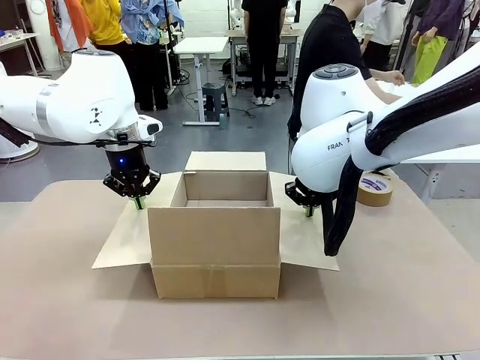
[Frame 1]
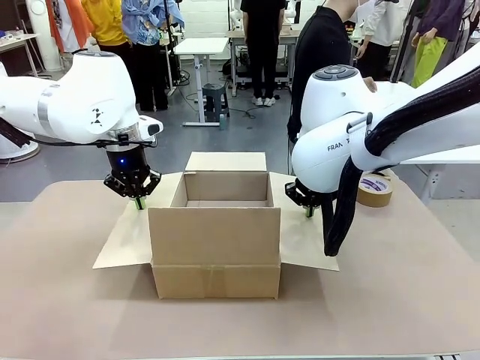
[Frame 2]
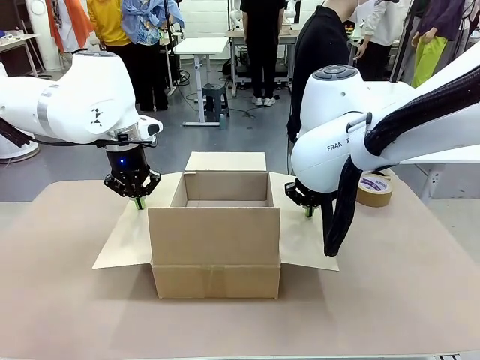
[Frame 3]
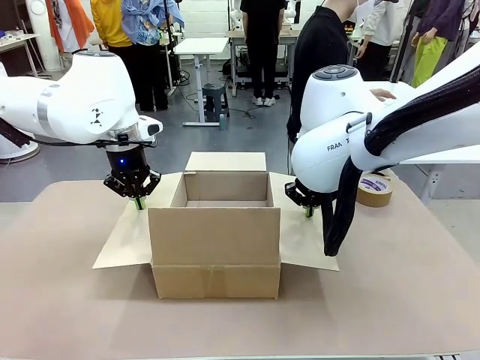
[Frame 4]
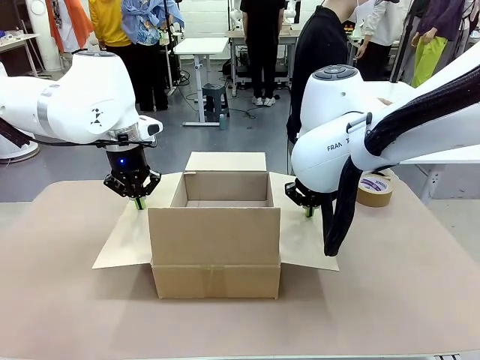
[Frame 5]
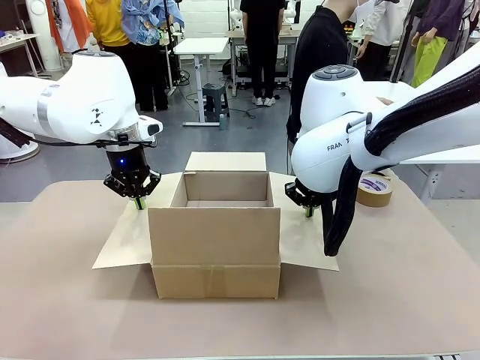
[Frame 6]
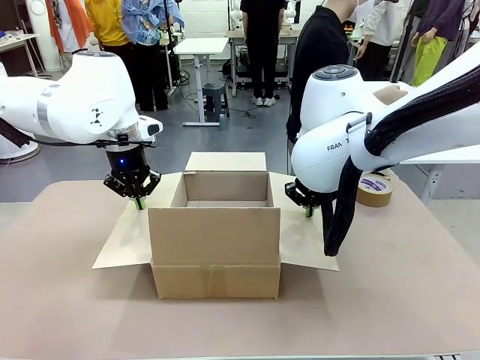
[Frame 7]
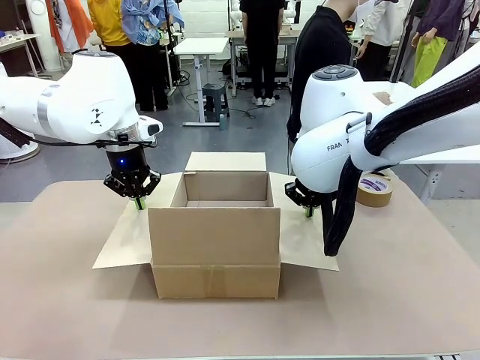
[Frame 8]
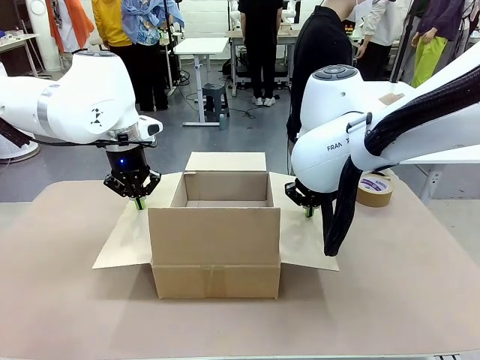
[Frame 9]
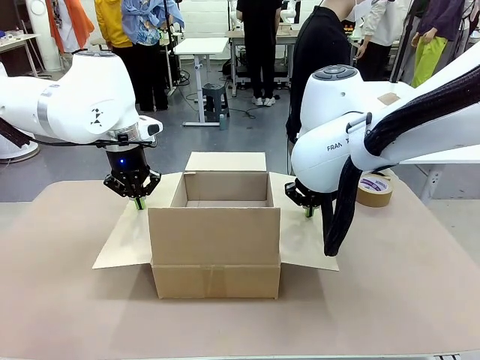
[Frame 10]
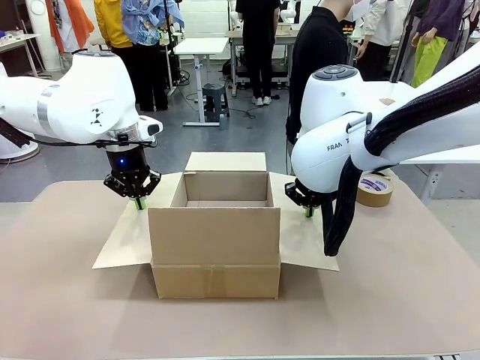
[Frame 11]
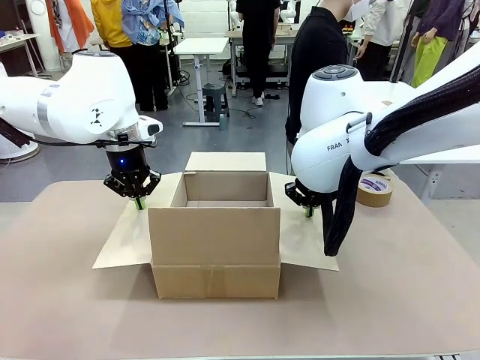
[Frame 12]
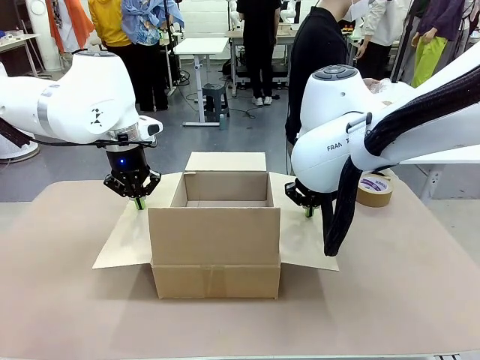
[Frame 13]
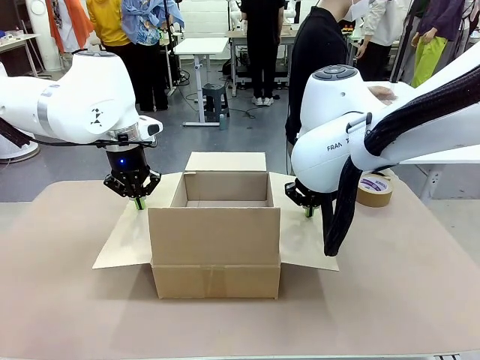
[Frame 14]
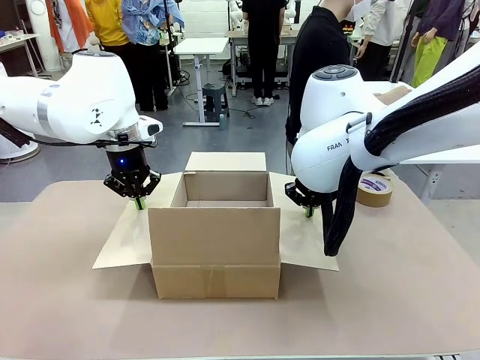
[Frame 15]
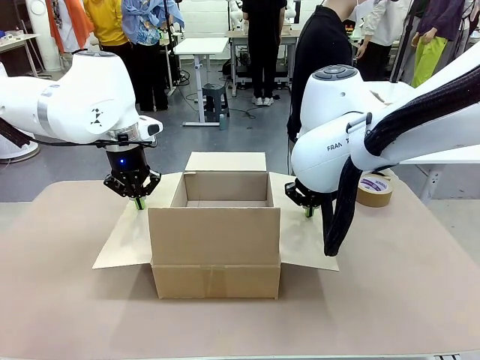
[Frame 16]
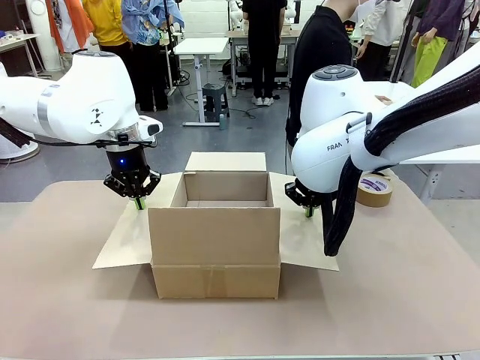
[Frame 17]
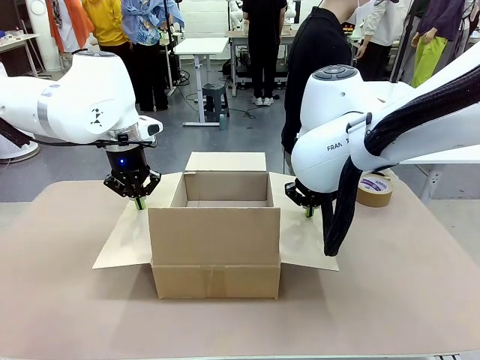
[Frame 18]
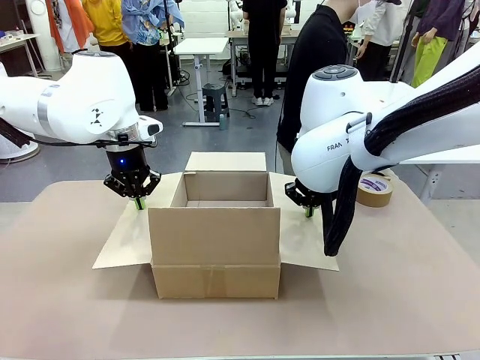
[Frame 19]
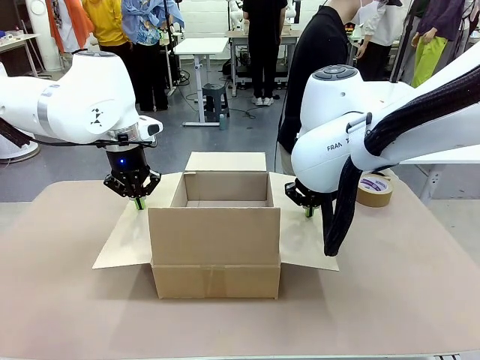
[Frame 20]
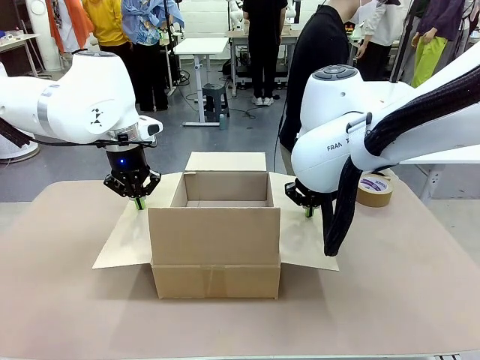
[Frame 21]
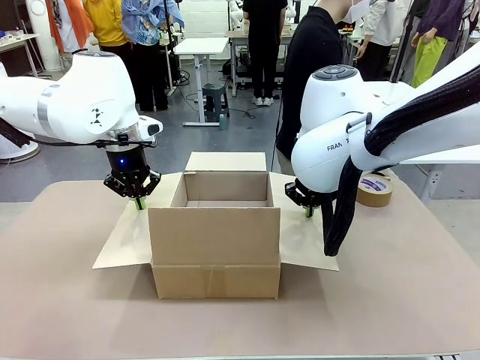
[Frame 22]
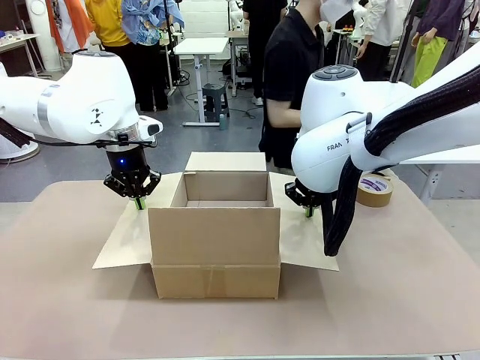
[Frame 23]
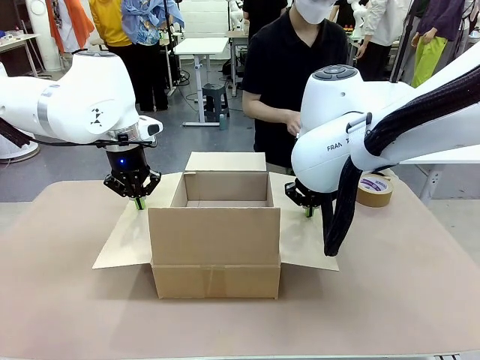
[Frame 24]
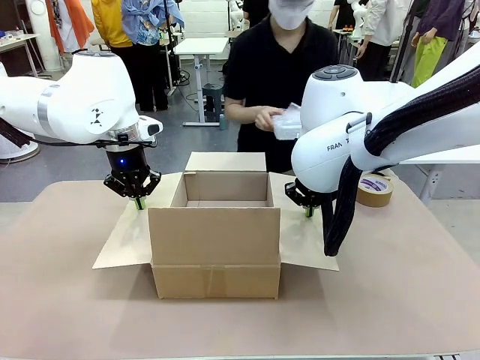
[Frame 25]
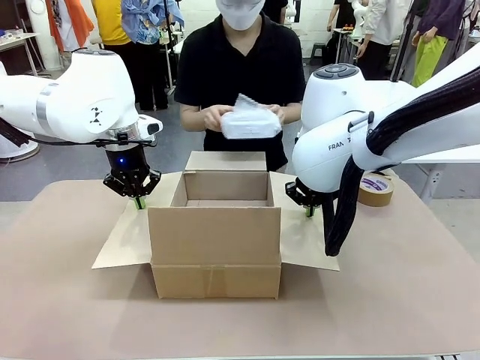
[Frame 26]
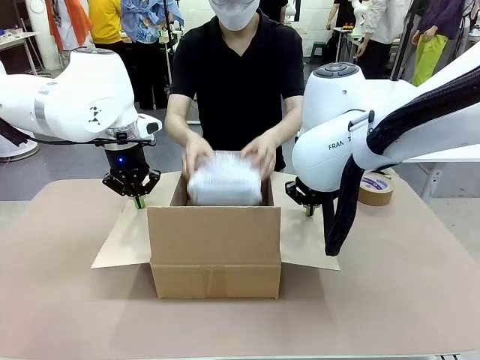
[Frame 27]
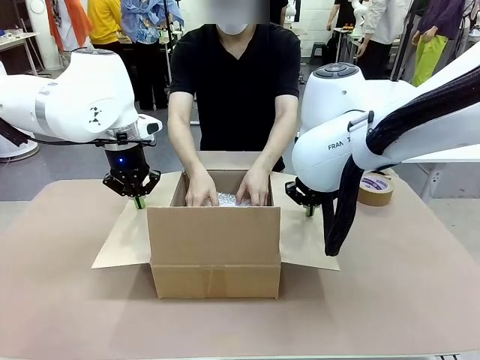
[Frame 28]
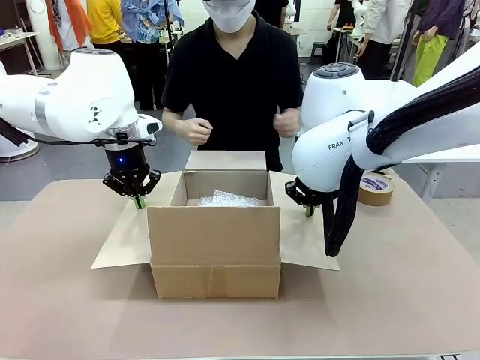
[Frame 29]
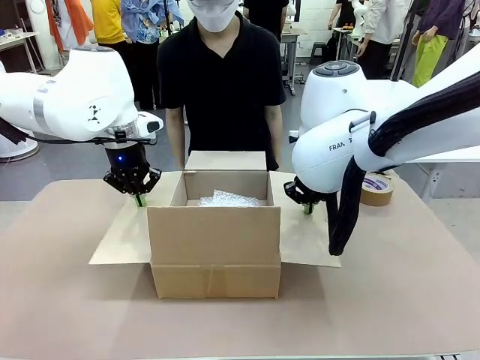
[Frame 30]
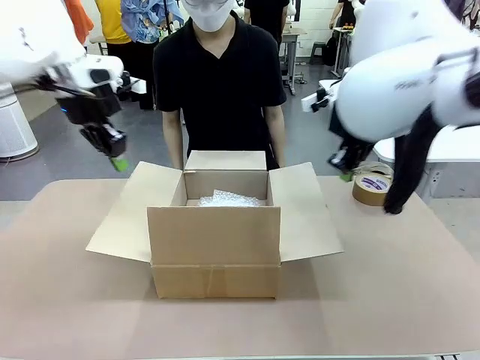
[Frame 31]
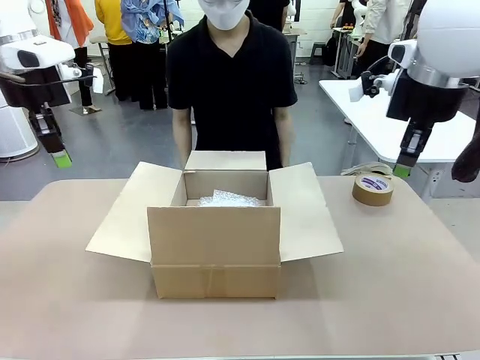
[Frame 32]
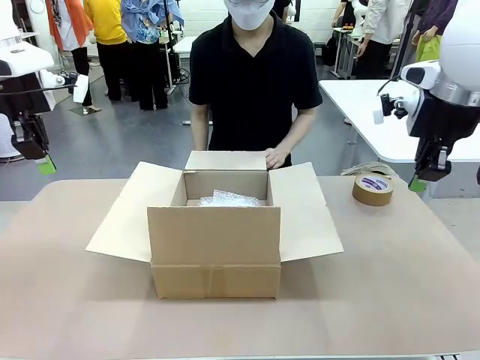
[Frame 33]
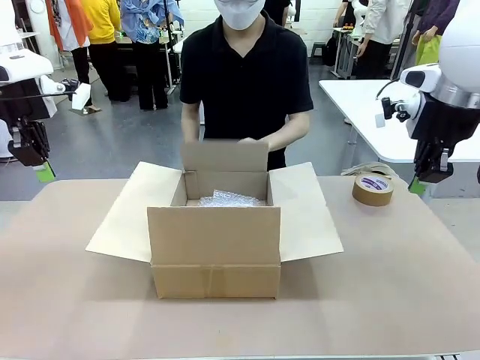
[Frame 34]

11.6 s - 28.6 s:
Task: Wrap the clocks to prevent damage.
Robot: Once the human has placed the objects inside and stepped back, release both hands from the side flaps of the Package Box.
Person: Place the wrapped Digital clocks inside the Package Box.

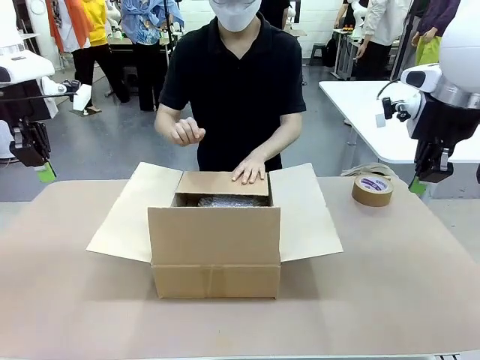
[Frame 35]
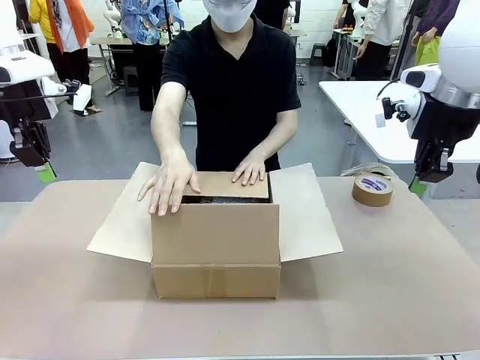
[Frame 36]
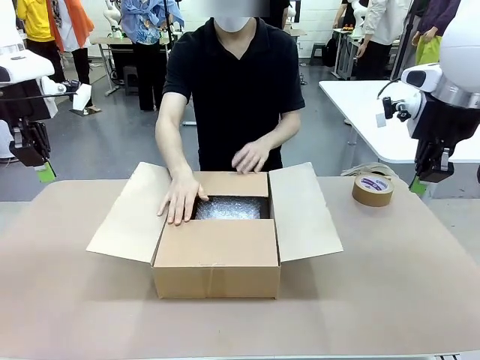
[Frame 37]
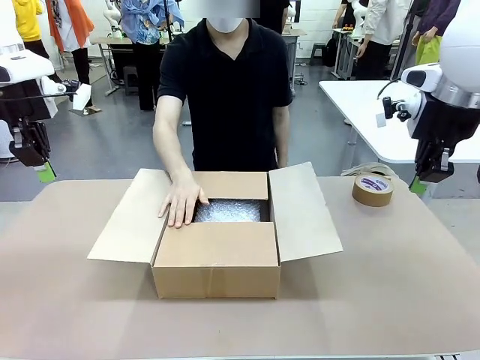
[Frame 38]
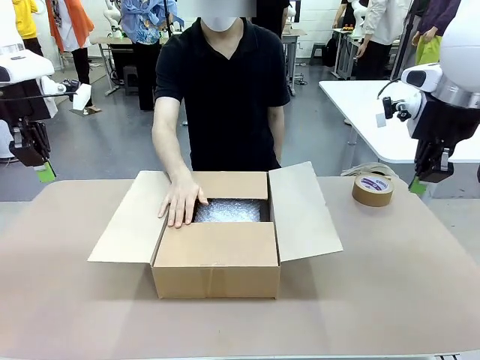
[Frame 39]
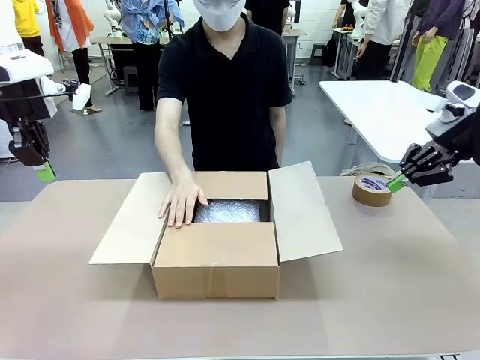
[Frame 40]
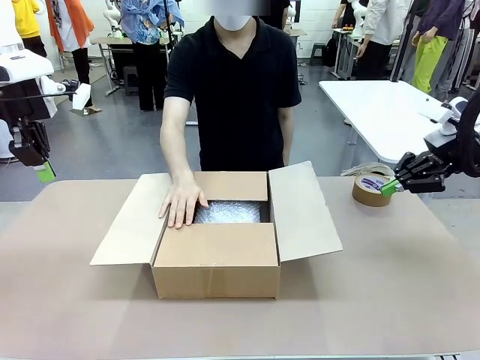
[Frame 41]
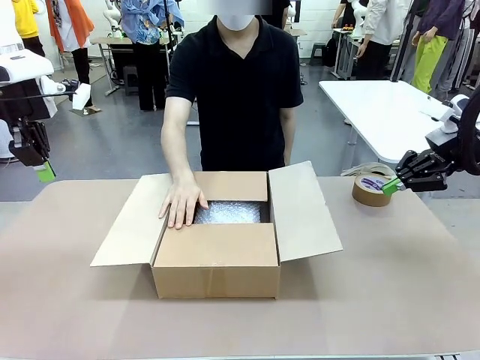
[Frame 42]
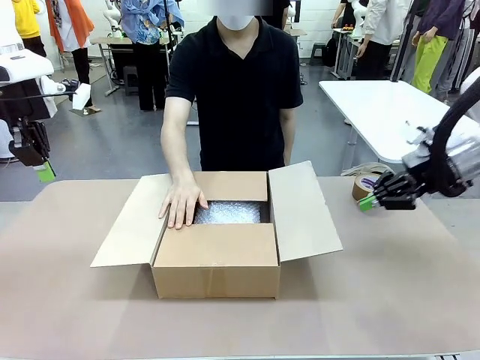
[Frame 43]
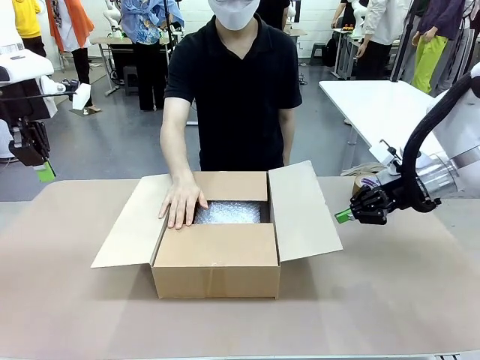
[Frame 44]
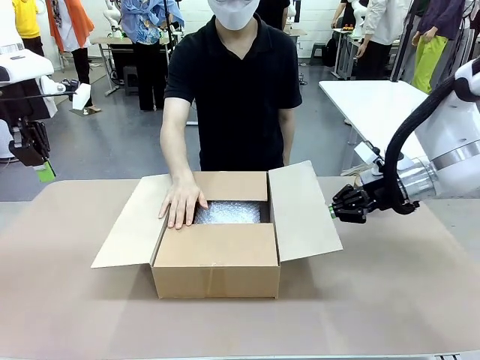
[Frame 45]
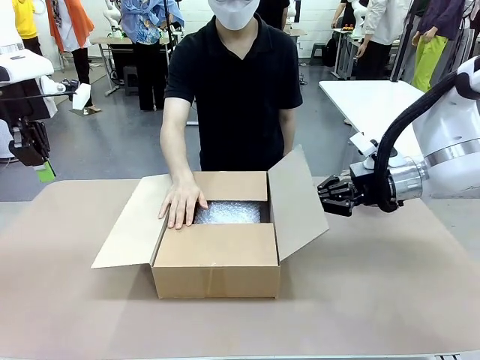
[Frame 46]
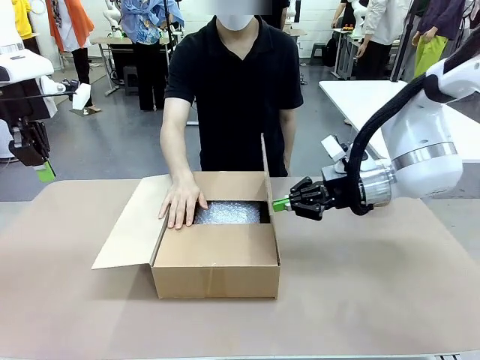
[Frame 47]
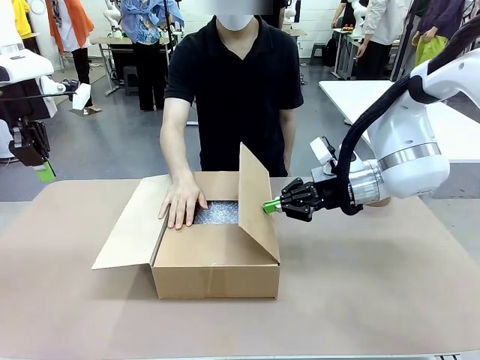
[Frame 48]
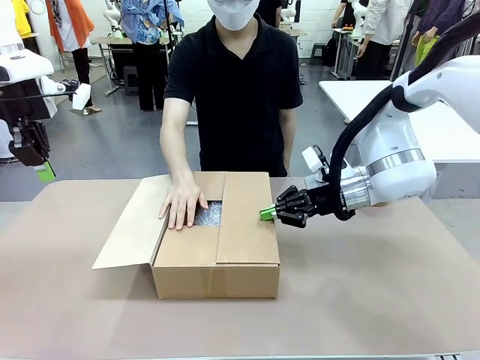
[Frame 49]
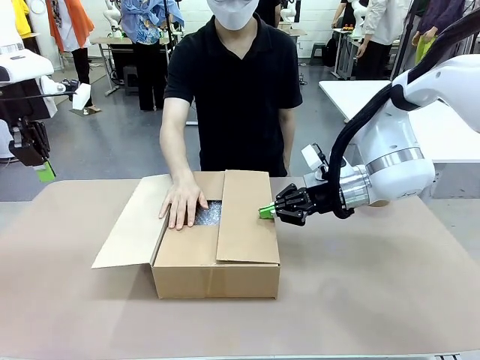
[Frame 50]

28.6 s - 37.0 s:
Robot: Push the right (or left) flap of the Package Box to close it.
Person: Hold the top and bottom flaps of the Package Box closed with your left (or right) hand. Once the robot closes the right flap of the Package Box , release your left hand from the box.
